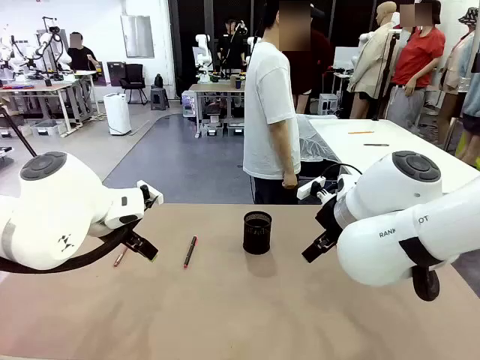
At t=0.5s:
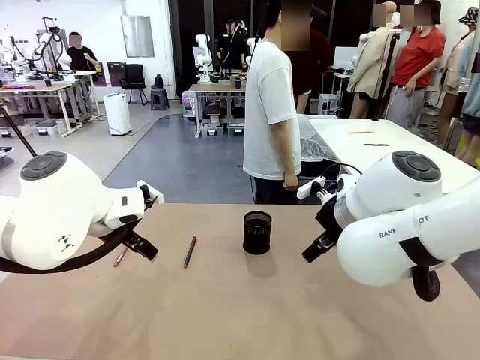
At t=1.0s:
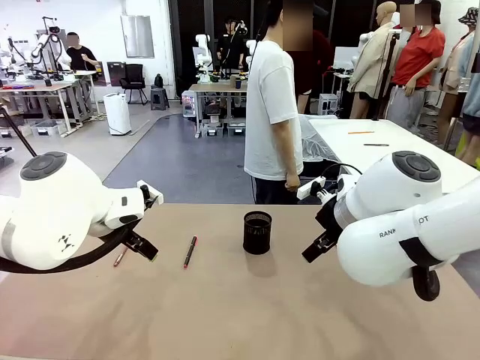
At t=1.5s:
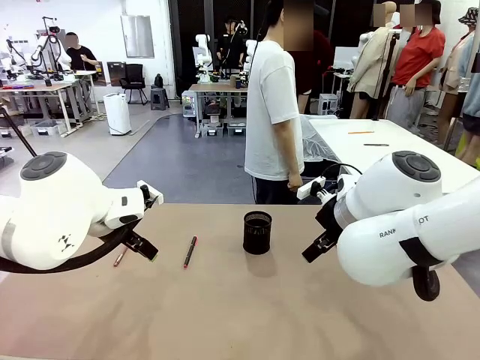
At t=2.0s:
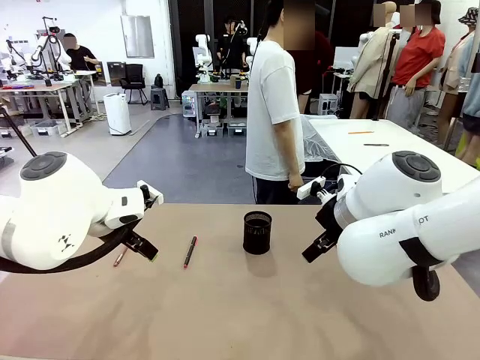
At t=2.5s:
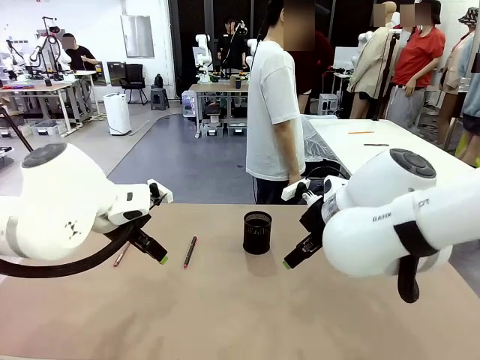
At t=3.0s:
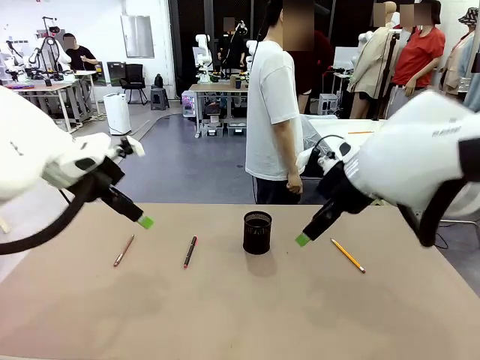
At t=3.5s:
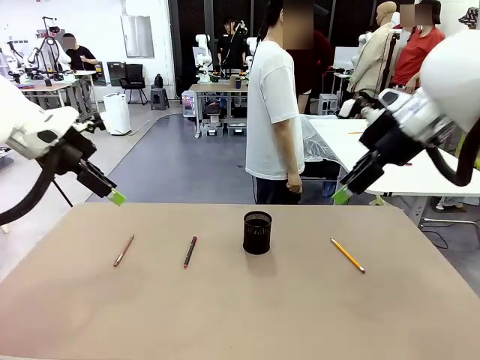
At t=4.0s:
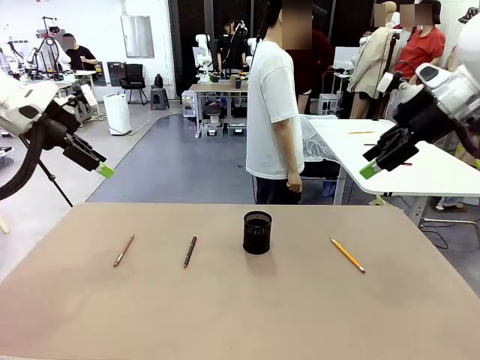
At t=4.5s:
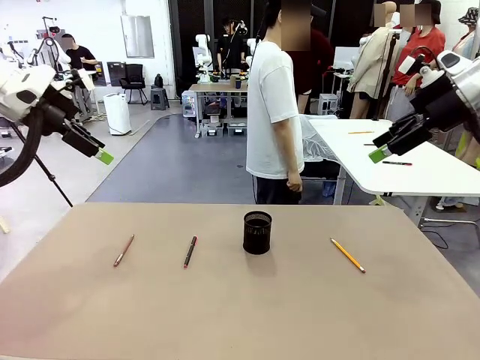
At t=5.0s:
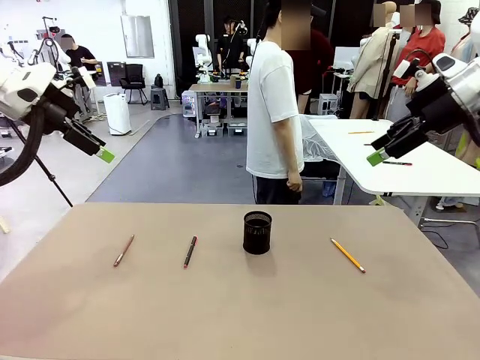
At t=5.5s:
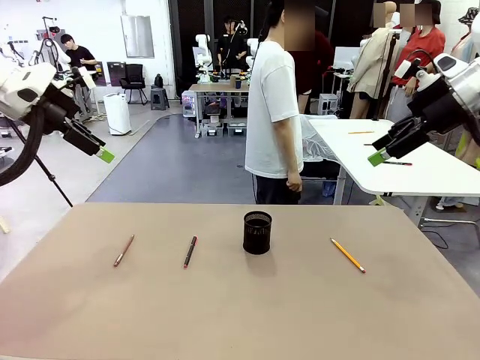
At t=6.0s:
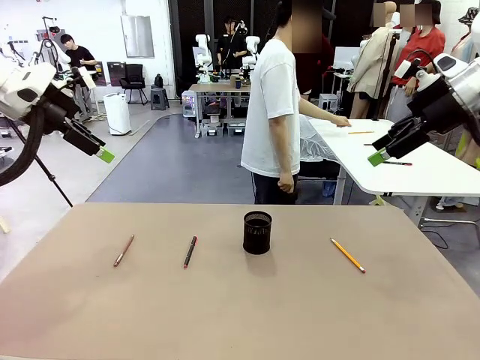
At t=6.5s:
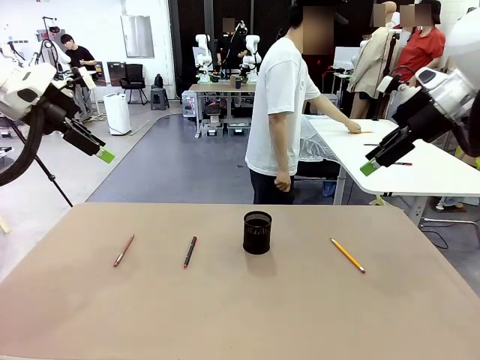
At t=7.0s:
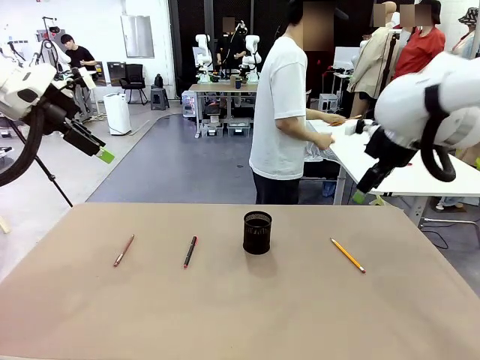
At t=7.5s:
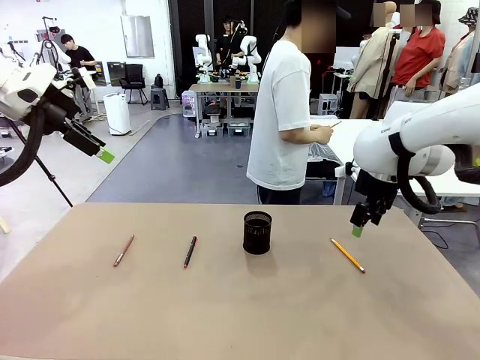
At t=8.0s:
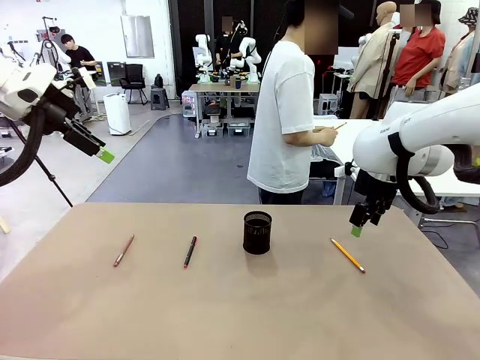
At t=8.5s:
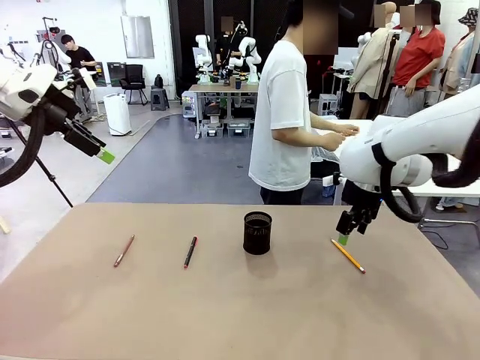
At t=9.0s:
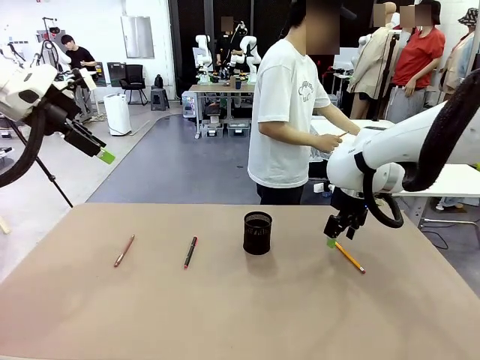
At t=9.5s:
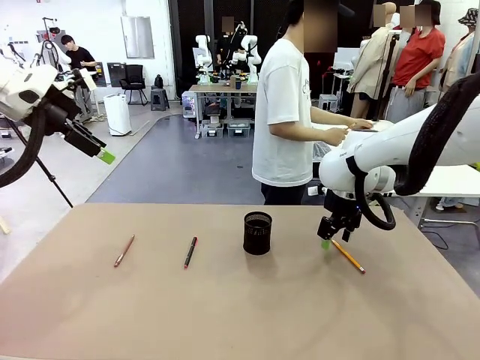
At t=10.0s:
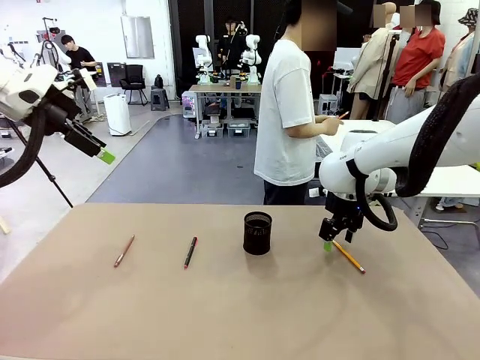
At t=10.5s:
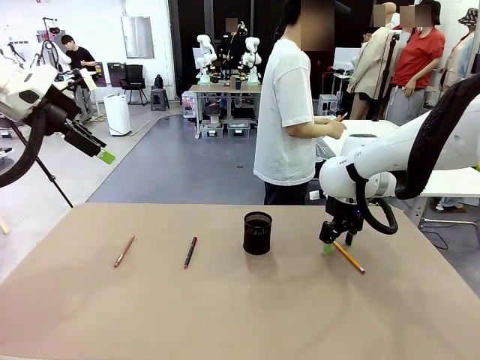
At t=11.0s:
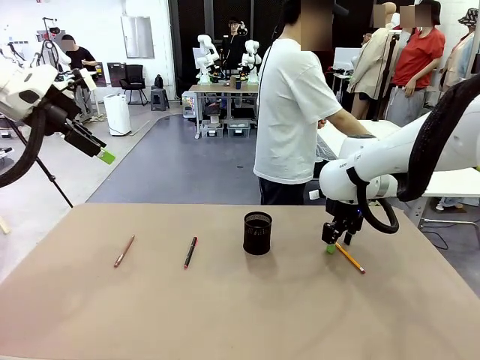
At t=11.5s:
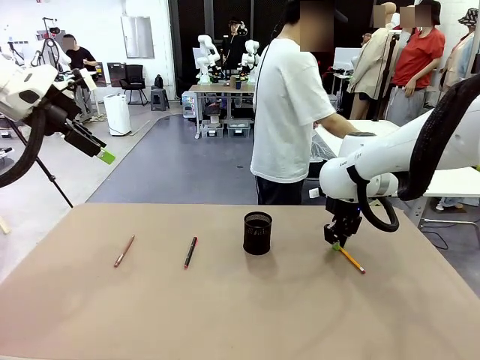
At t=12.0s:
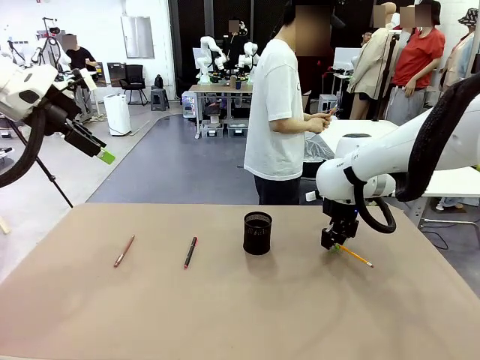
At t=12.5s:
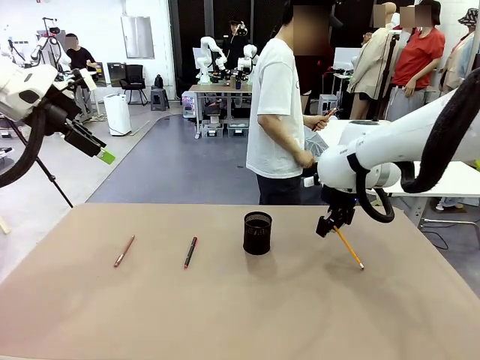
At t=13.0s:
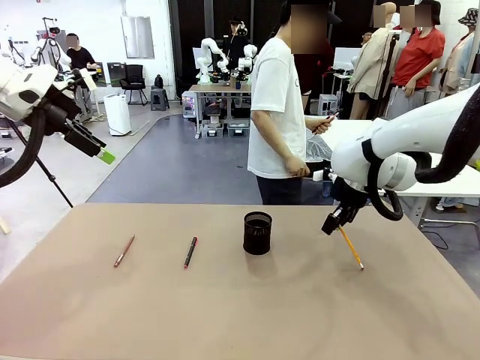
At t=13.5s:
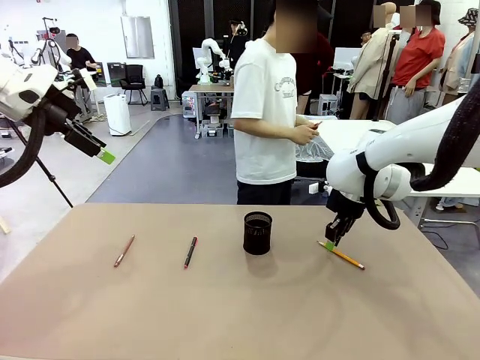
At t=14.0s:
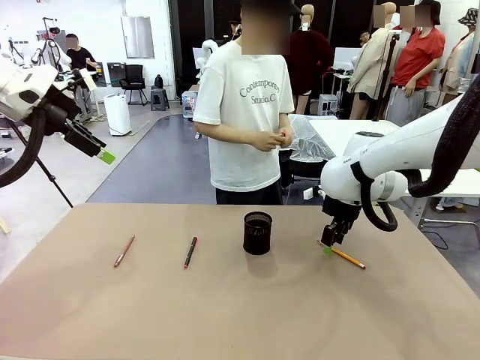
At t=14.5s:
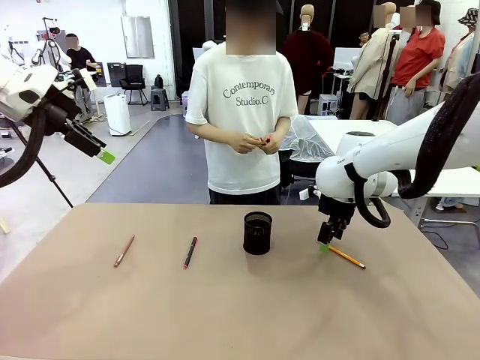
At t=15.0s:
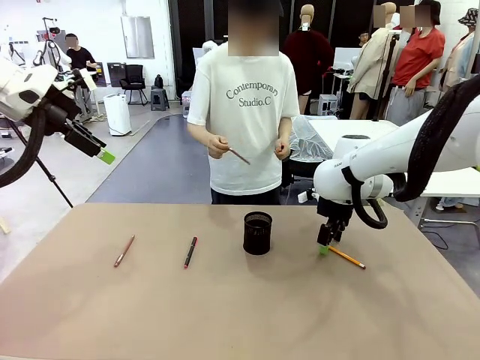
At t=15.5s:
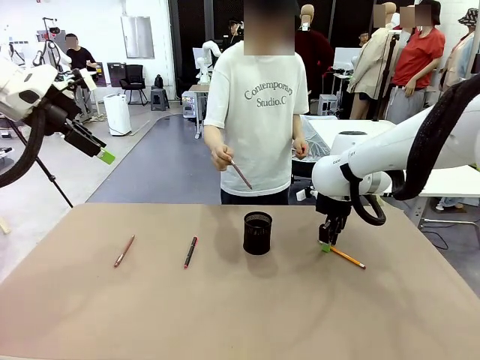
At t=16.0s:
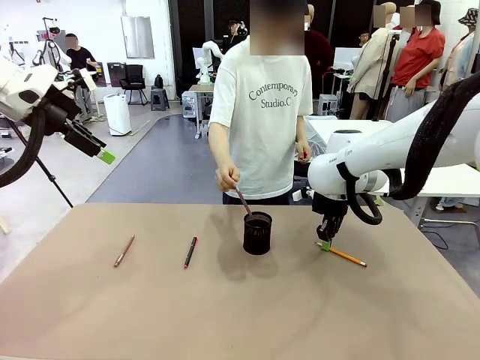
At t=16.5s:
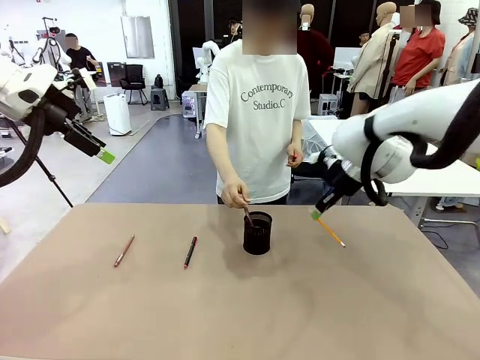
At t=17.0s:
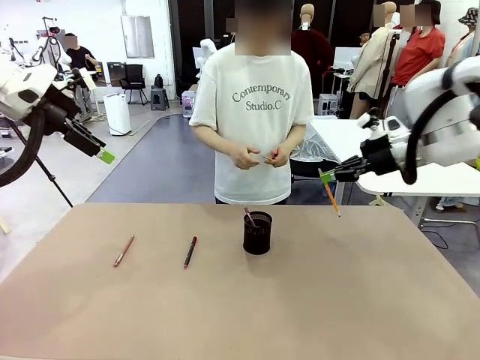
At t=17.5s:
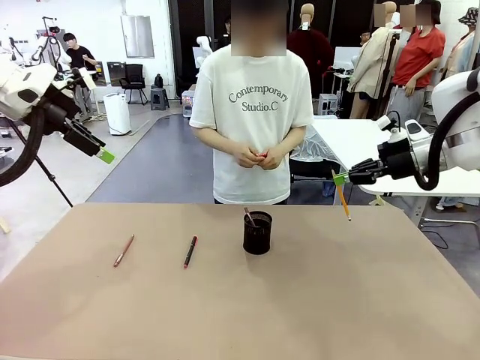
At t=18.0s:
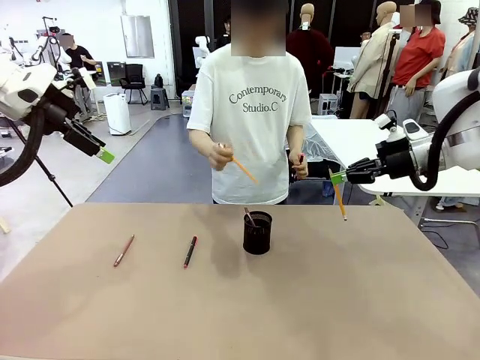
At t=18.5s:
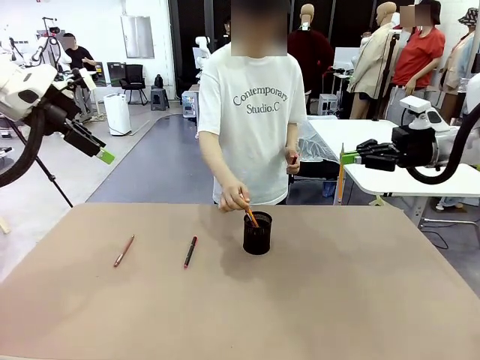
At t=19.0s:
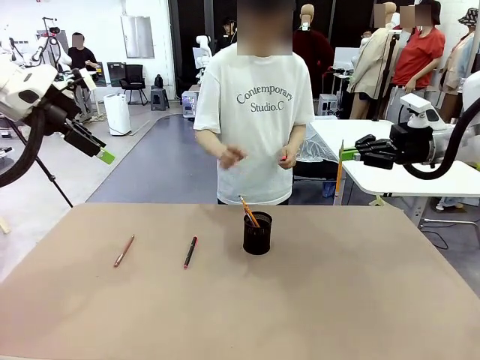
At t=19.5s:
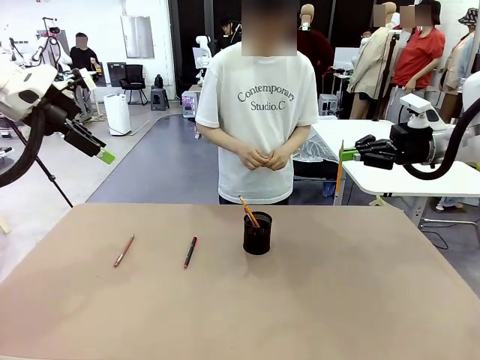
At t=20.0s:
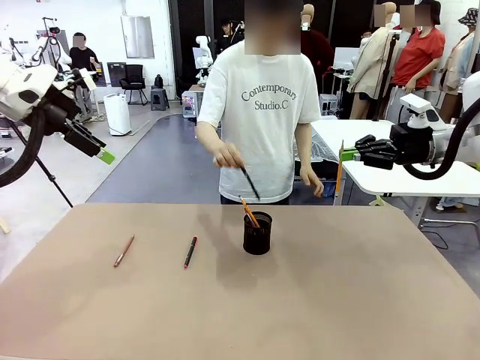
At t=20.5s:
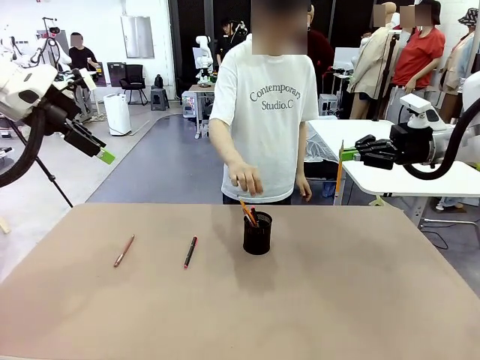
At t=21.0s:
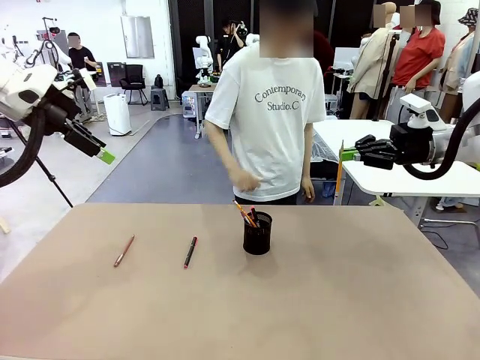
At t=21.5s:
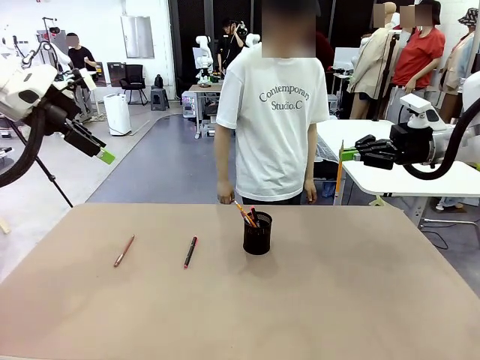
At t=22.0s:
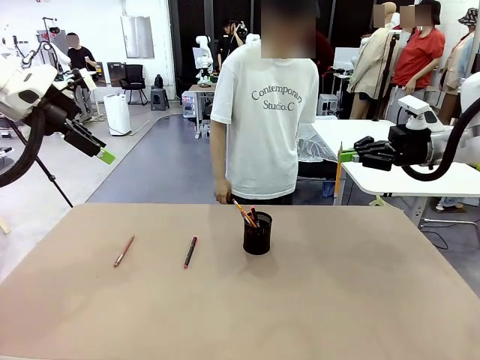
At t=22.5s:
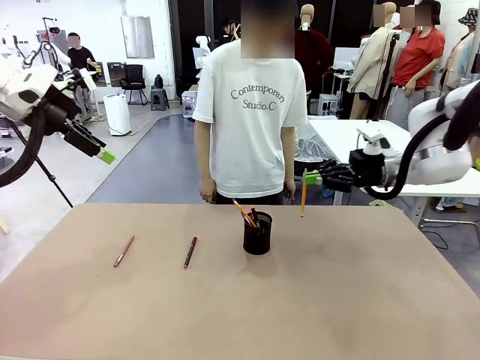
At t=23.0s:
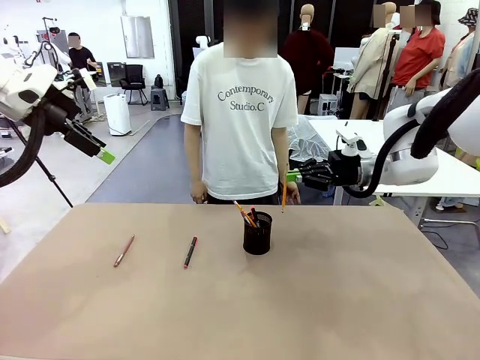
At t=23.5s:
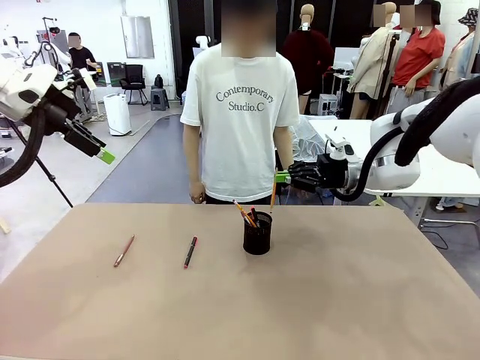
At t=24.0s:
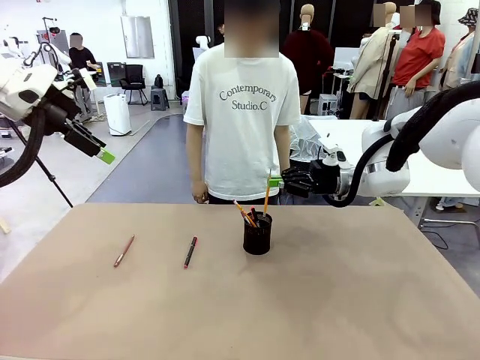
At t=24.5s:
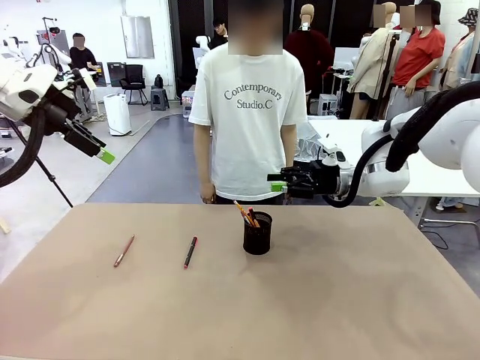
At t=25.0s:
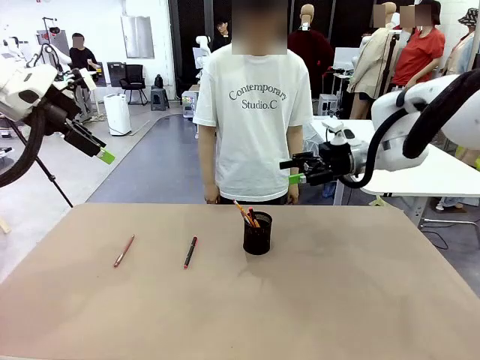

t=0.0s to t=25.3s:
Task: Place the pens into the pen holder.
Robot: Pick up a writing instrument from the table and place it into the Pen holder.
Person: Pick up all writing instruments from the Human table.
